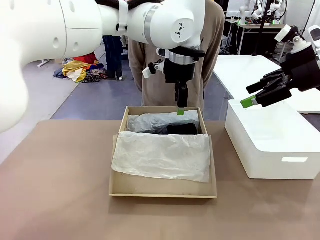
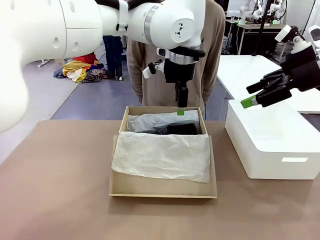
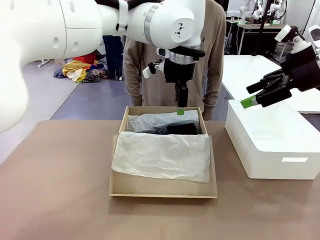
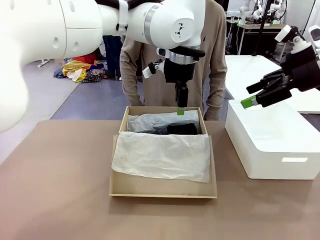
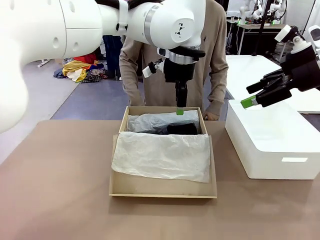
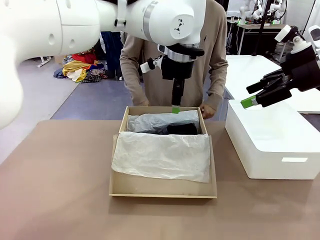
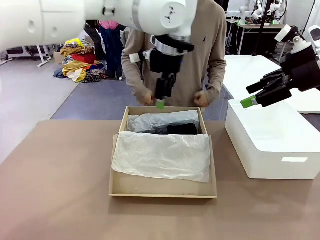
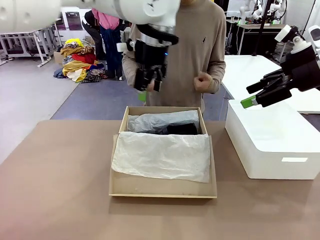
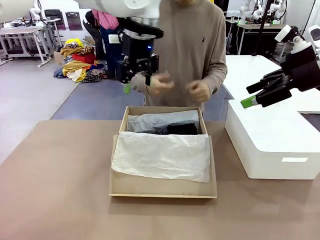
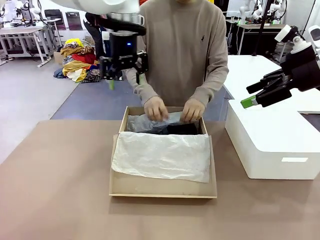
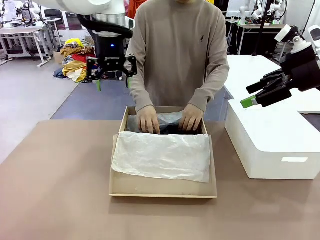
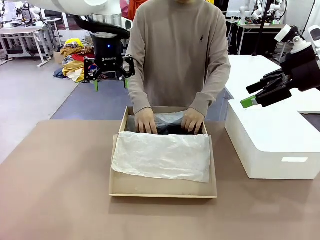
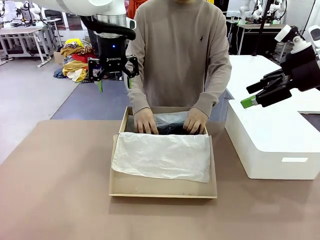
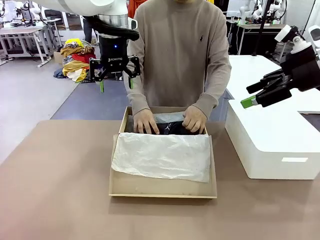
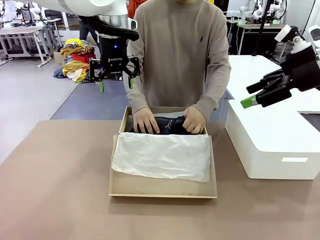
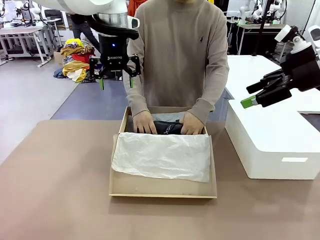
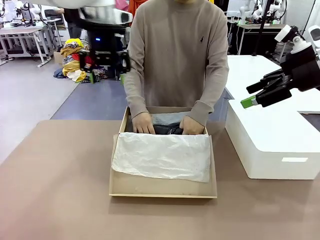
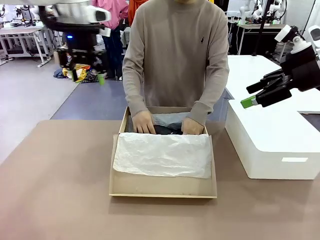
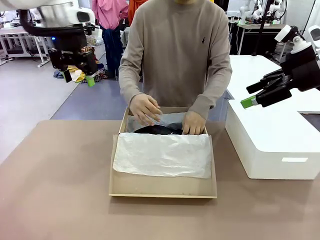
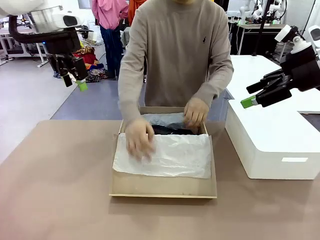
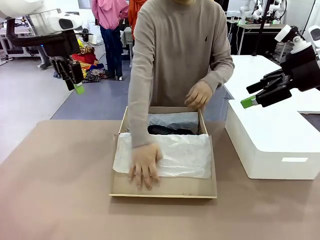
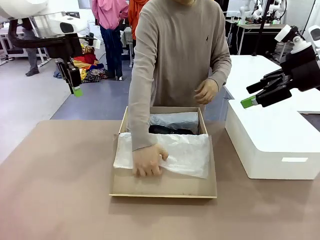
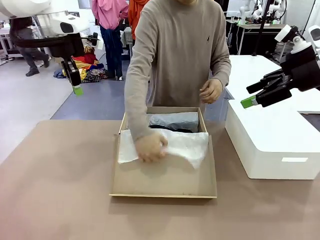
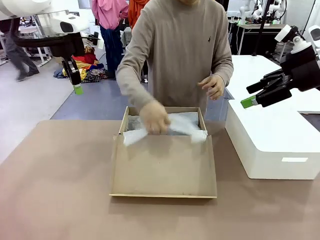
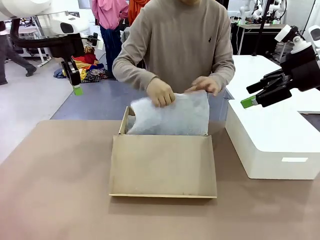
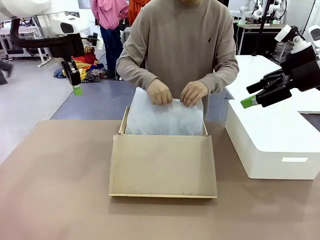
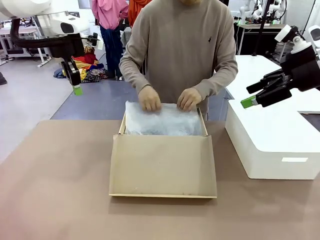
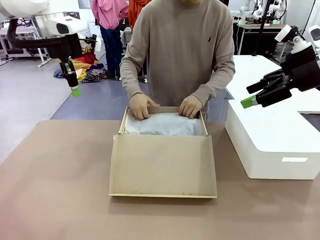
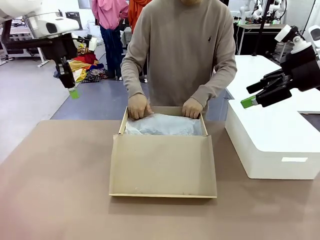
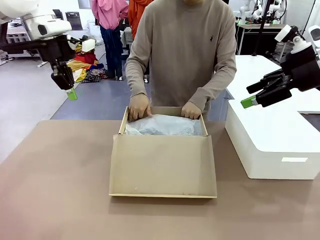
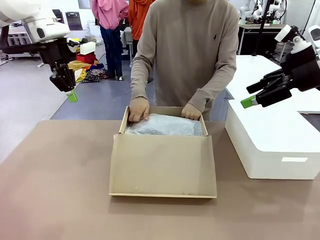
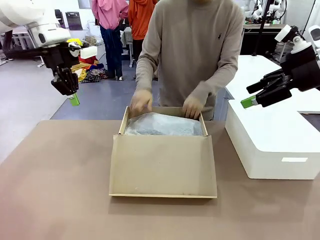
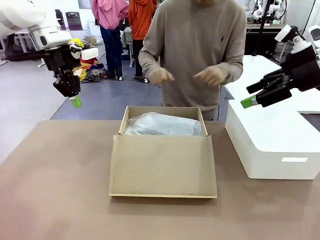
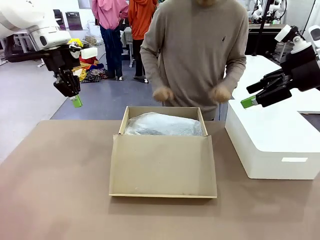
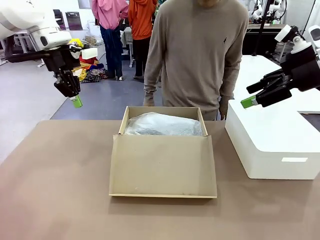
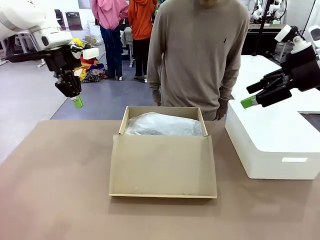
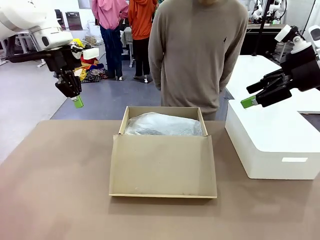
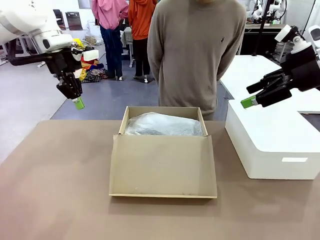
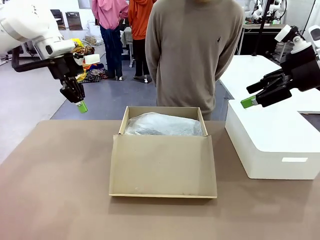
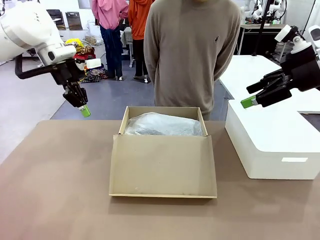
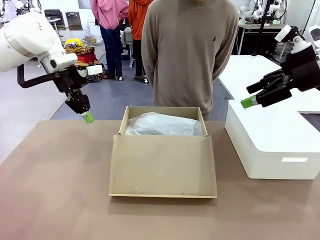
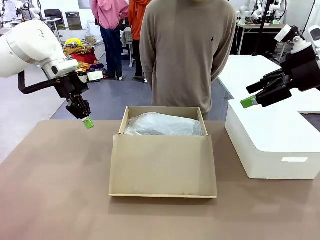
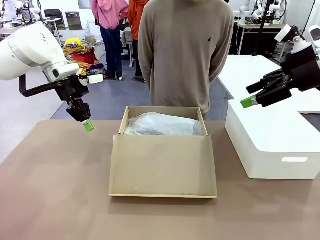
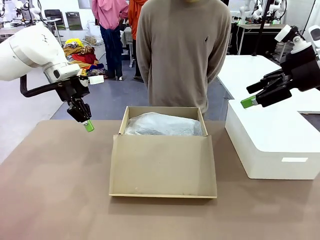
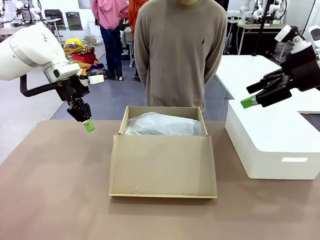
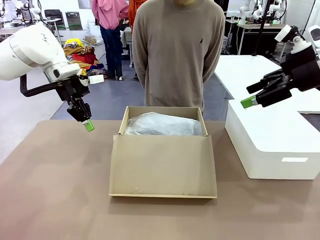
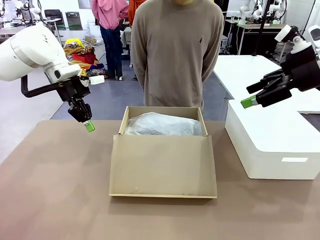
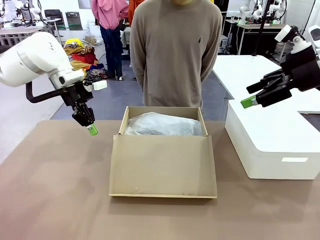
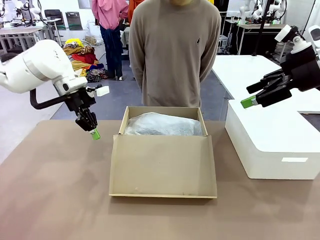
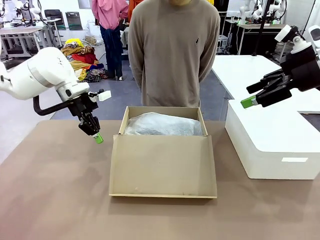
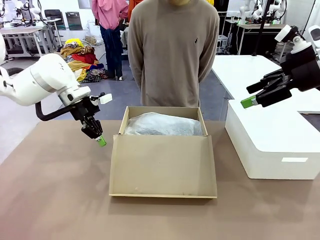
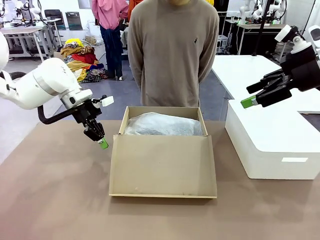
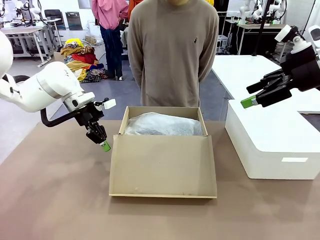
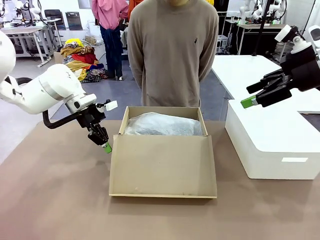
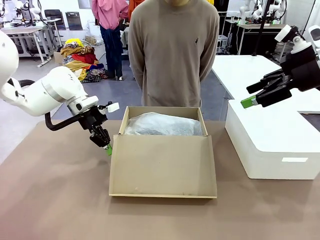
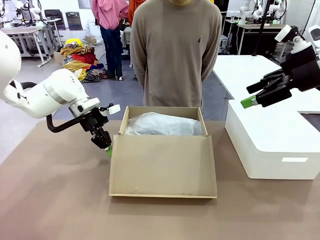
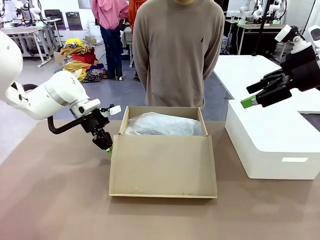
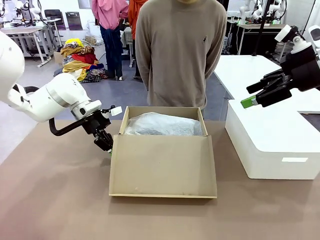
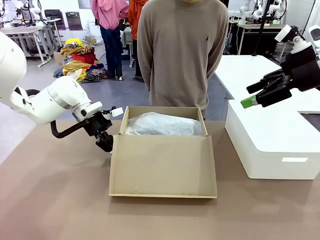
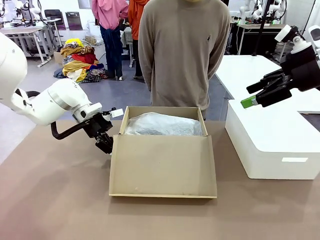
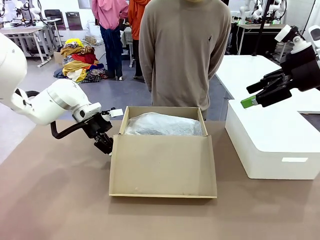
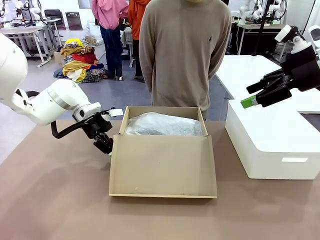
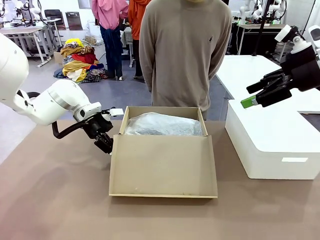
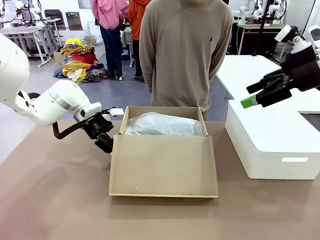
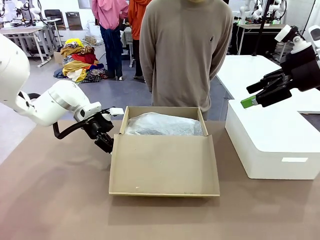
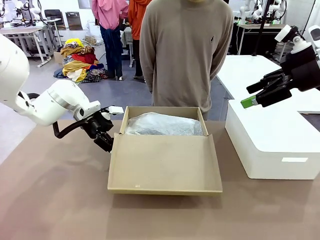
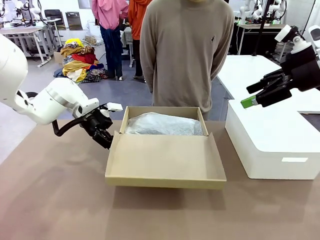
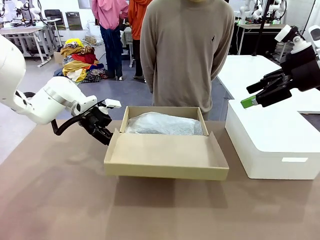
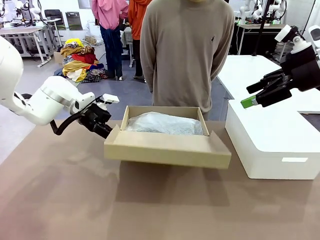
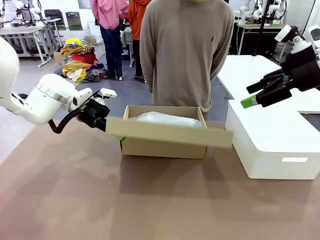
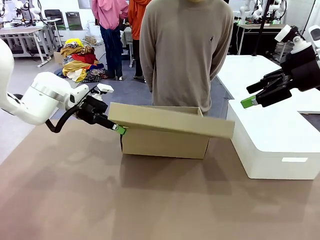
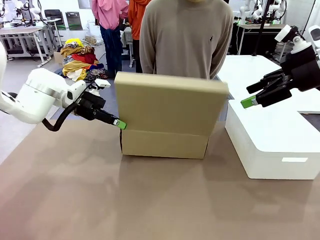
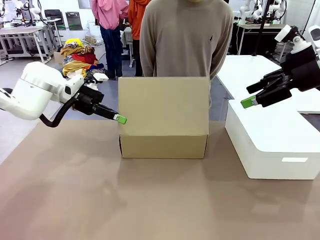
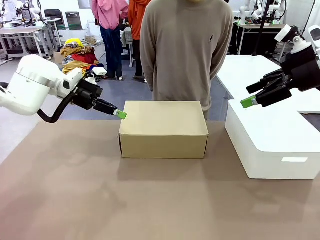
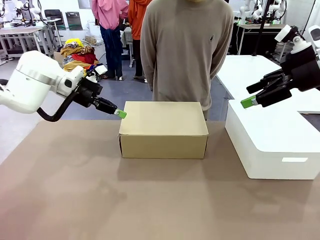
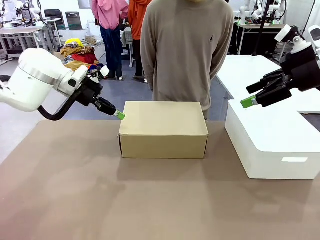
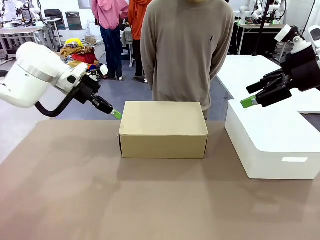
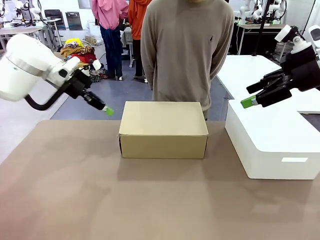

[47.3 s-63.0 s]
Task: Pack the shoes into the box.
Robot: Close the Shoes Box.

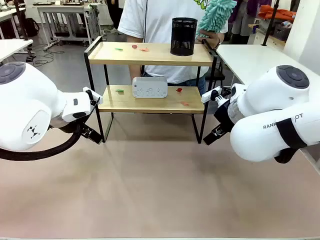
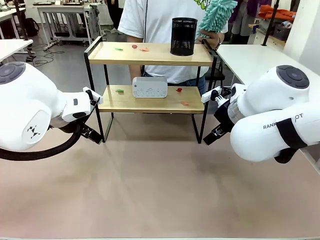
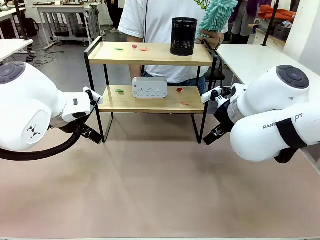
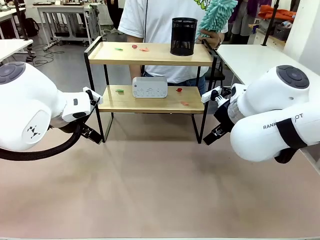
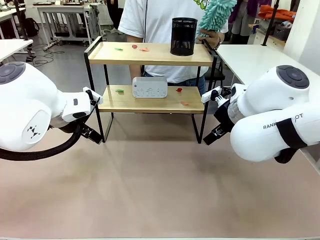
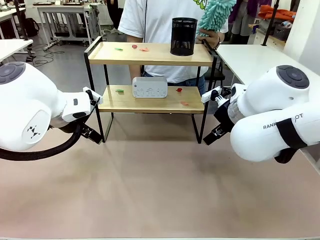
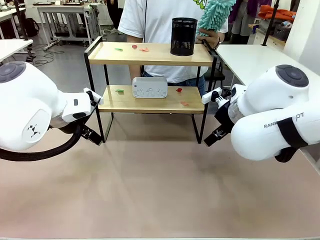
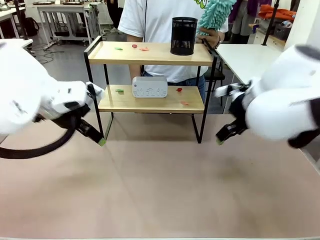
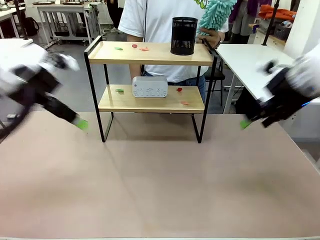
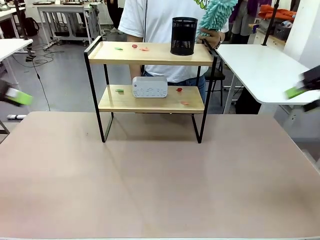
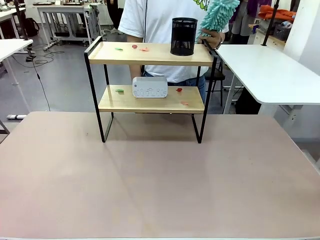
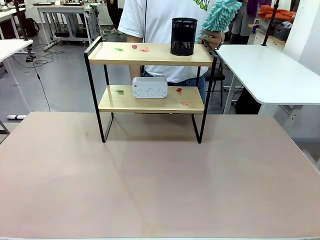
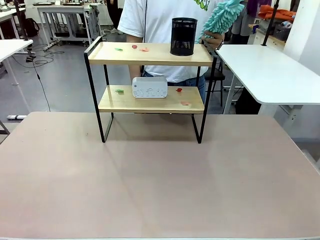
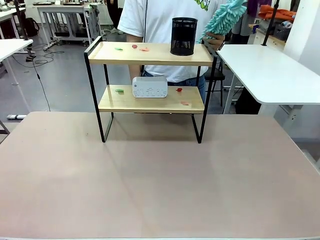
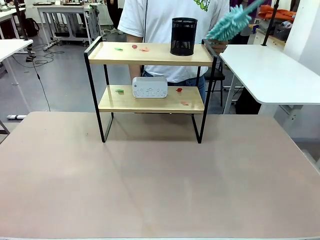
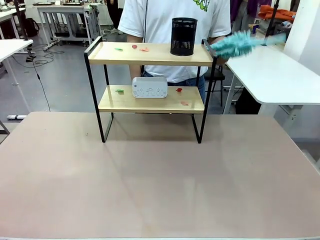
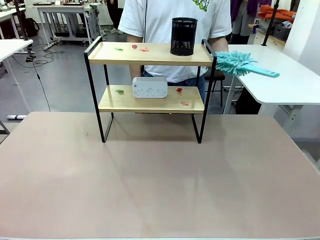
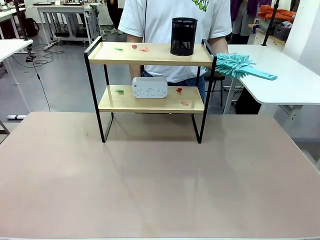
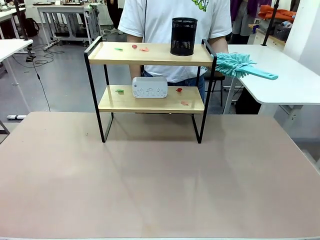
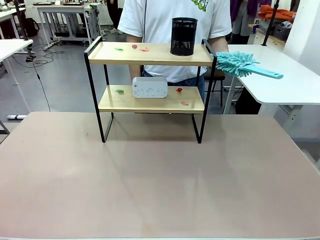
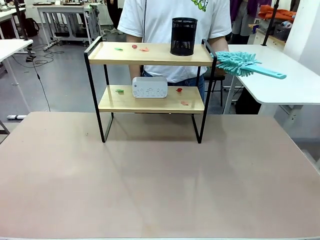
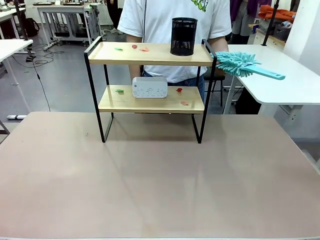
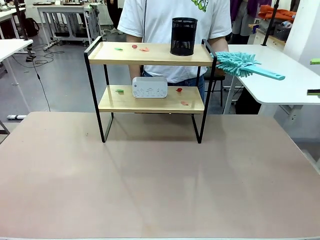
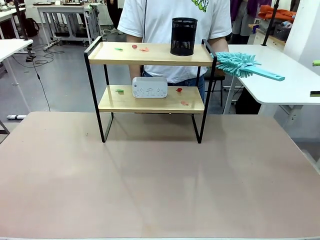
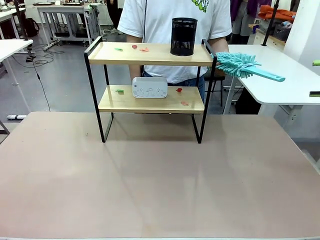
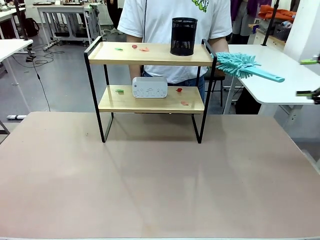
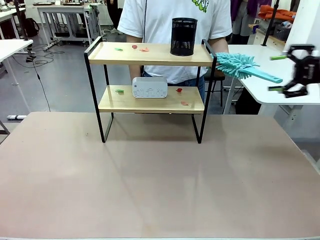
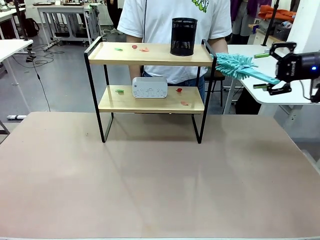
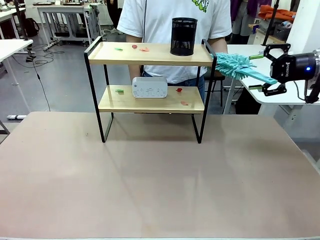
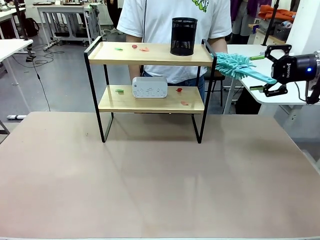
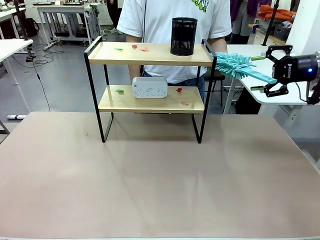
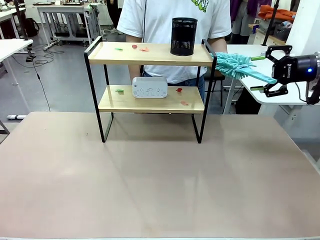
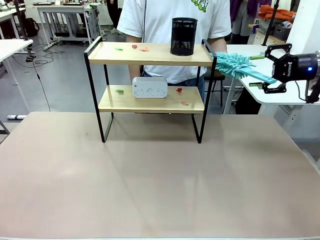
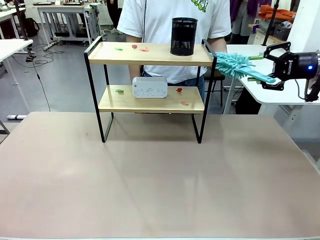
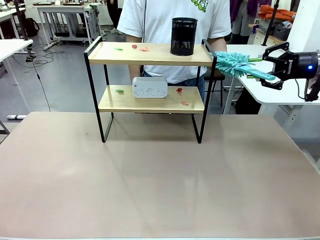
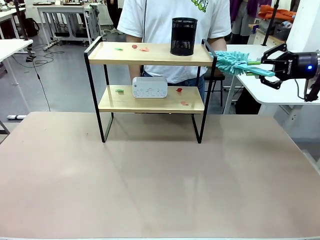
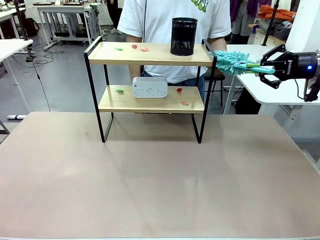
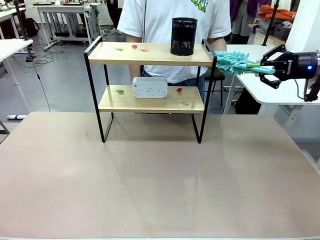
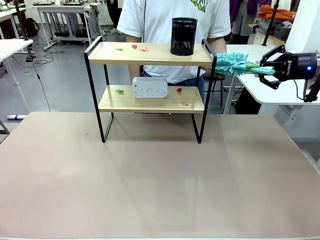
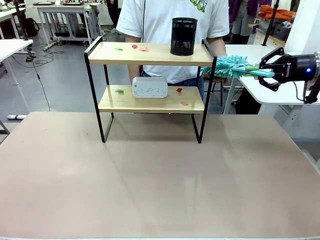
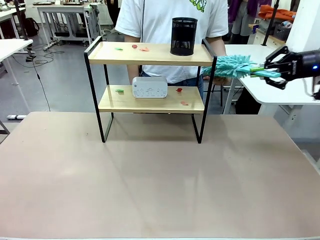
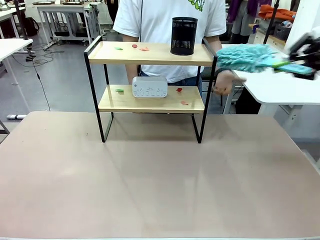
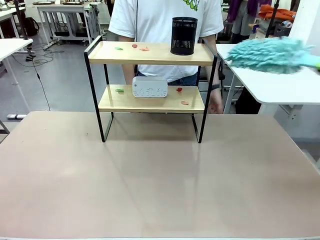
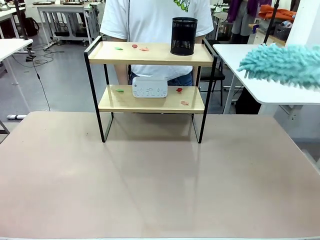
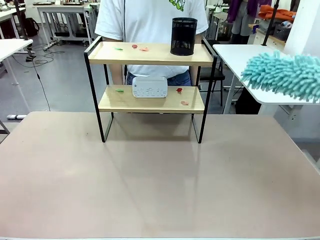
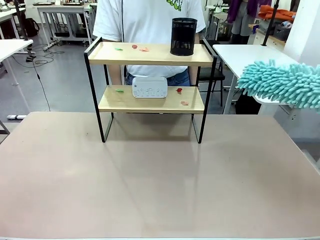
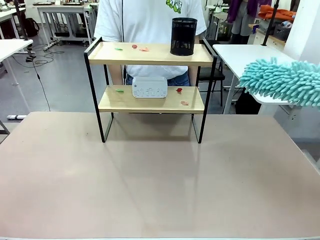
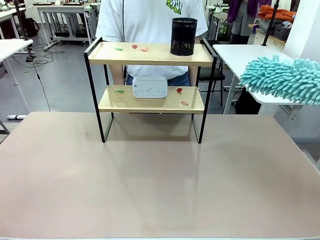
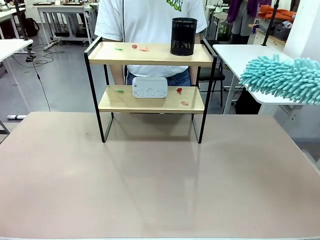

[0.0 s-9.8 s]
Task: Clean the shelf.
Robot: Pick up the Duster from the human.
Person: Hand the Duster to the robot.
